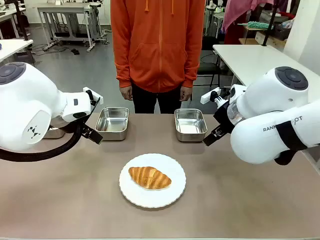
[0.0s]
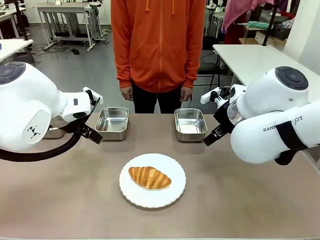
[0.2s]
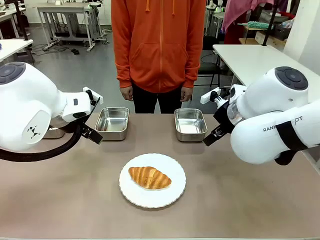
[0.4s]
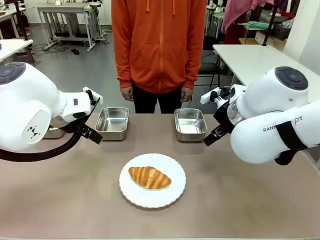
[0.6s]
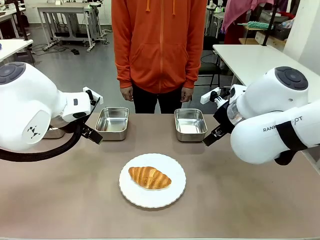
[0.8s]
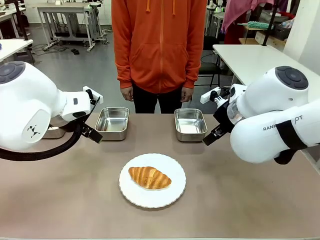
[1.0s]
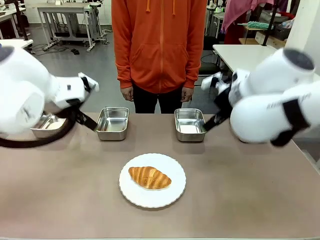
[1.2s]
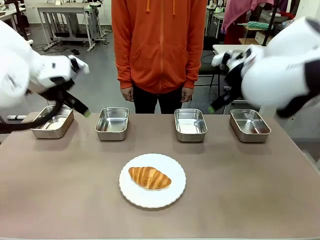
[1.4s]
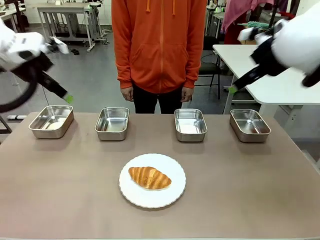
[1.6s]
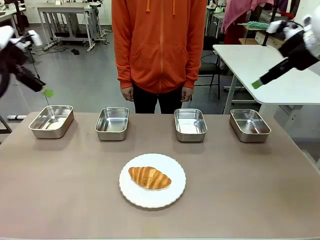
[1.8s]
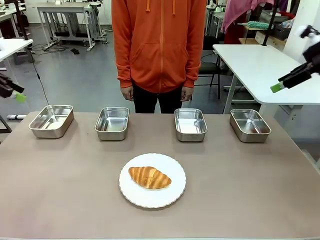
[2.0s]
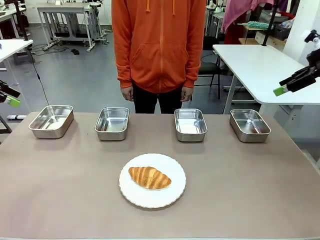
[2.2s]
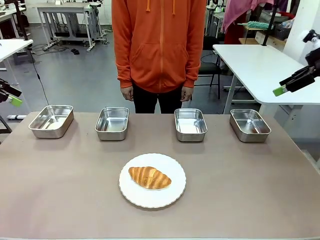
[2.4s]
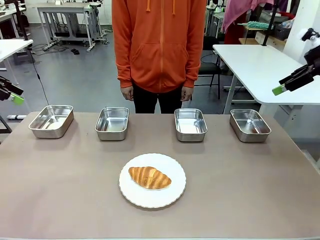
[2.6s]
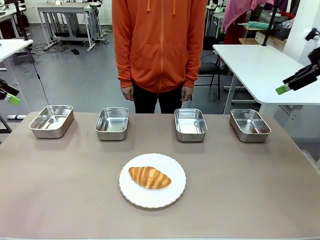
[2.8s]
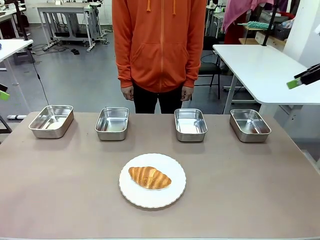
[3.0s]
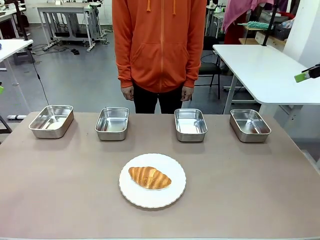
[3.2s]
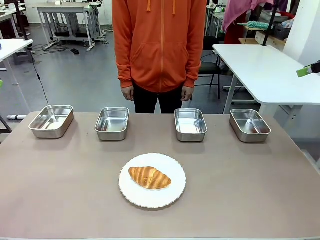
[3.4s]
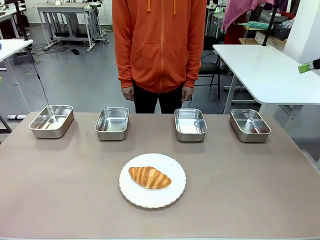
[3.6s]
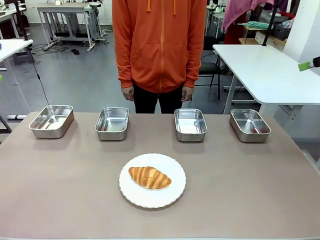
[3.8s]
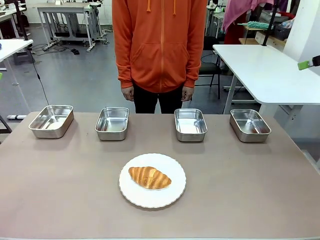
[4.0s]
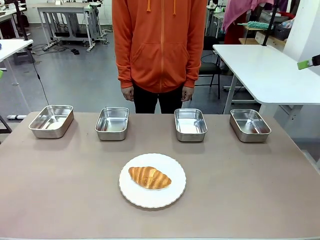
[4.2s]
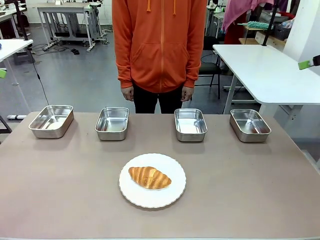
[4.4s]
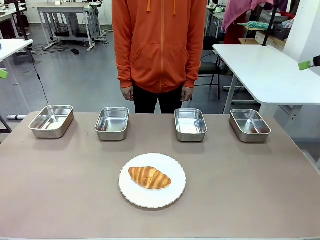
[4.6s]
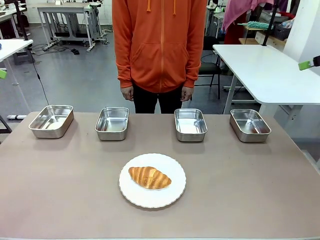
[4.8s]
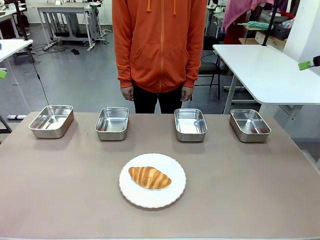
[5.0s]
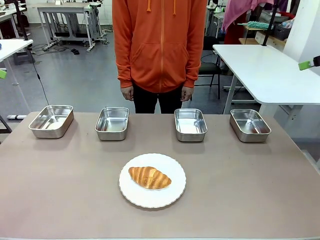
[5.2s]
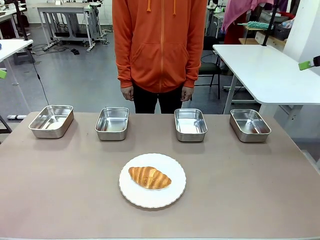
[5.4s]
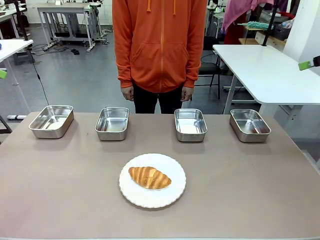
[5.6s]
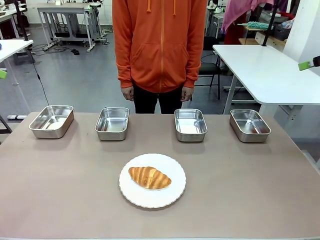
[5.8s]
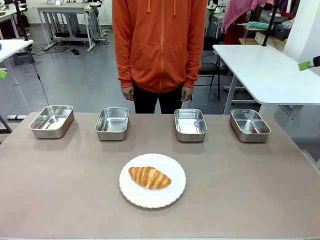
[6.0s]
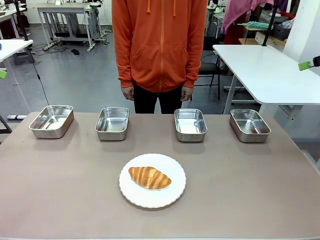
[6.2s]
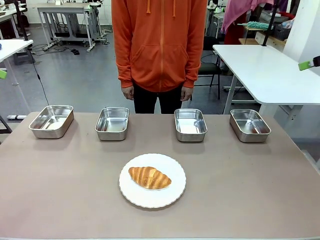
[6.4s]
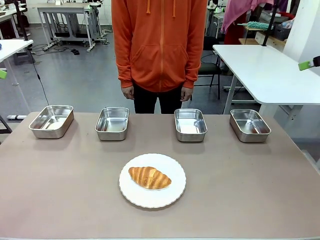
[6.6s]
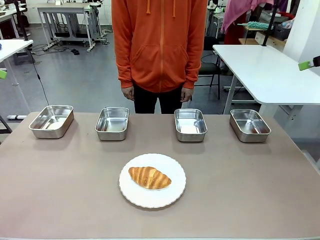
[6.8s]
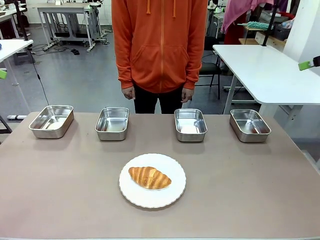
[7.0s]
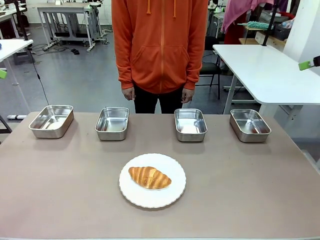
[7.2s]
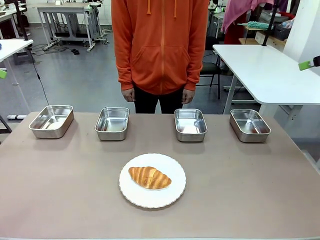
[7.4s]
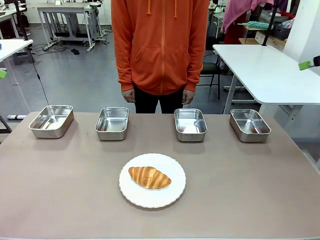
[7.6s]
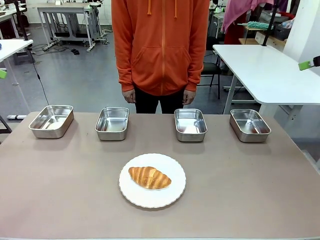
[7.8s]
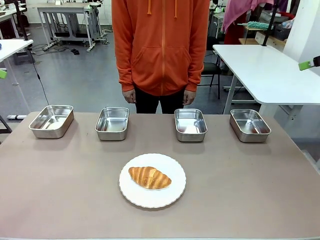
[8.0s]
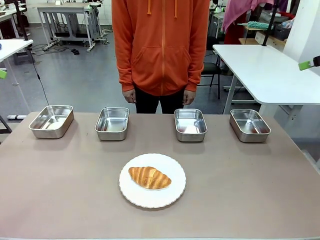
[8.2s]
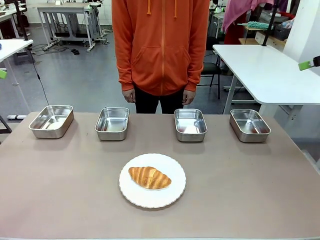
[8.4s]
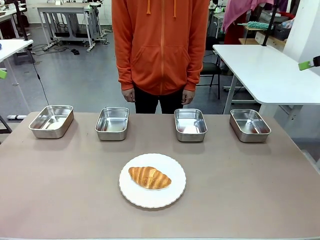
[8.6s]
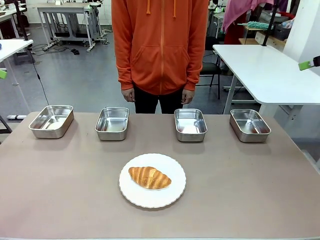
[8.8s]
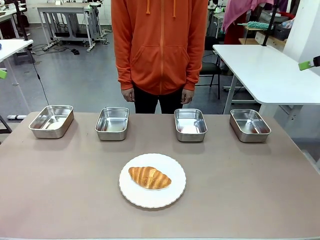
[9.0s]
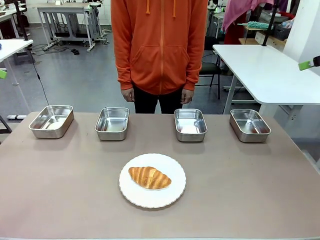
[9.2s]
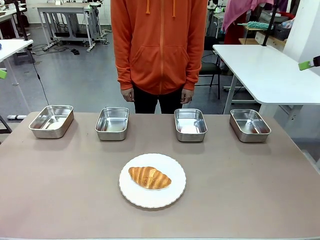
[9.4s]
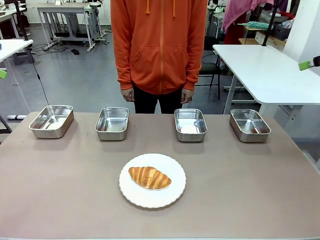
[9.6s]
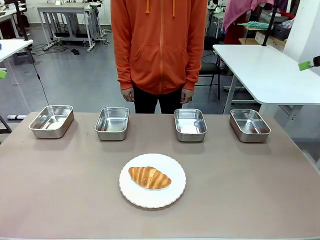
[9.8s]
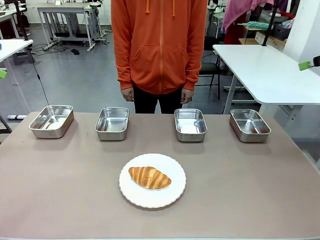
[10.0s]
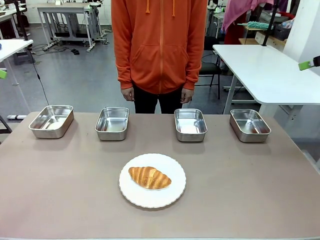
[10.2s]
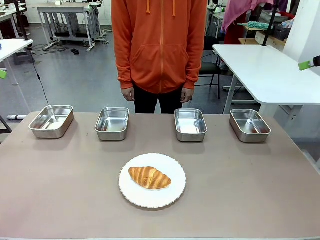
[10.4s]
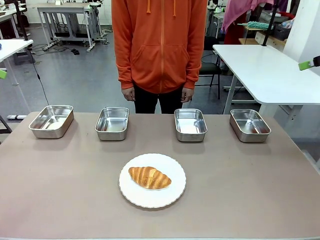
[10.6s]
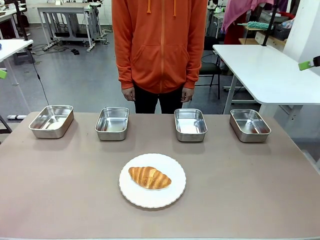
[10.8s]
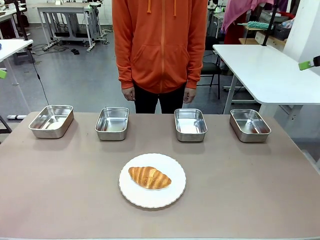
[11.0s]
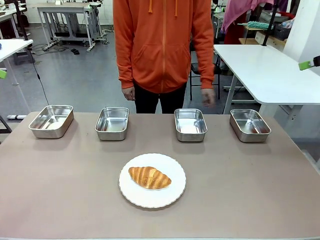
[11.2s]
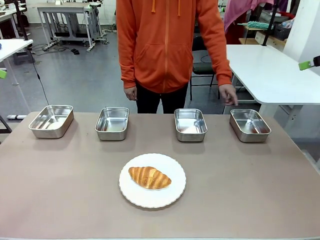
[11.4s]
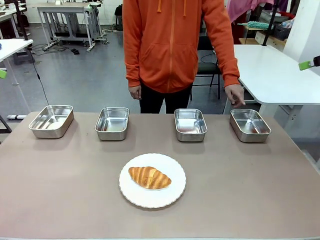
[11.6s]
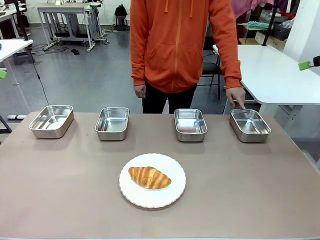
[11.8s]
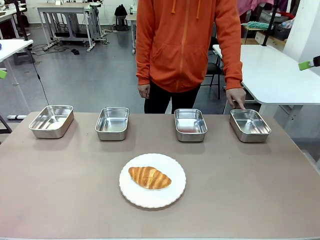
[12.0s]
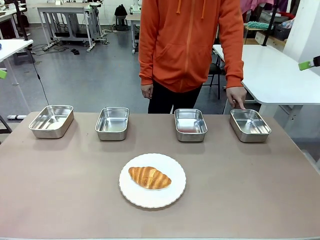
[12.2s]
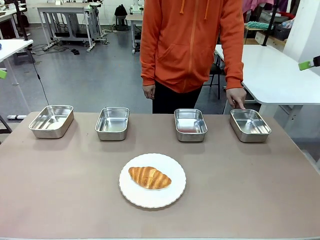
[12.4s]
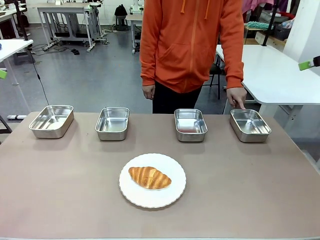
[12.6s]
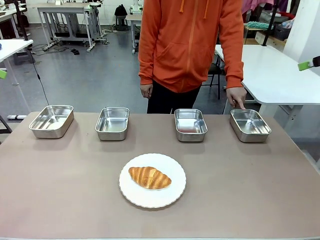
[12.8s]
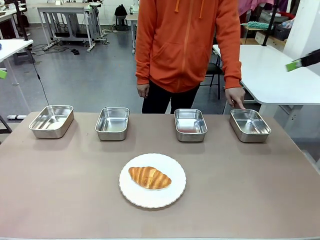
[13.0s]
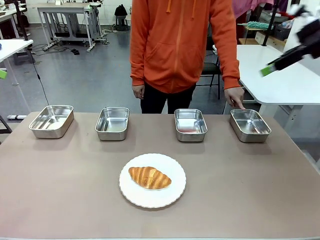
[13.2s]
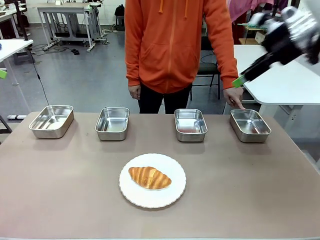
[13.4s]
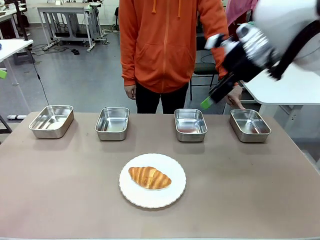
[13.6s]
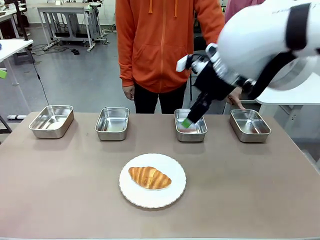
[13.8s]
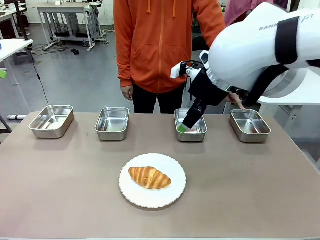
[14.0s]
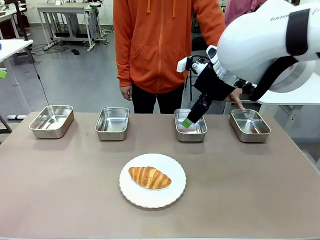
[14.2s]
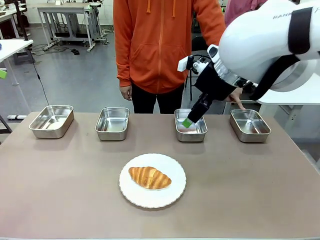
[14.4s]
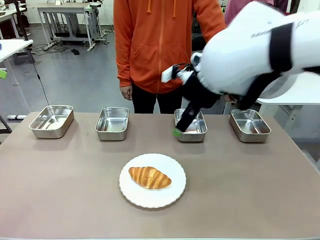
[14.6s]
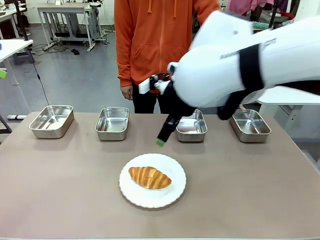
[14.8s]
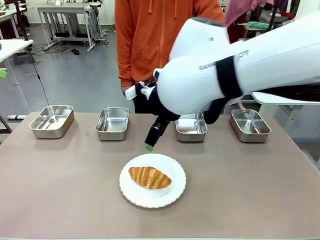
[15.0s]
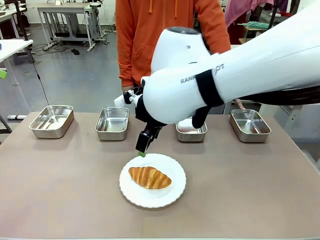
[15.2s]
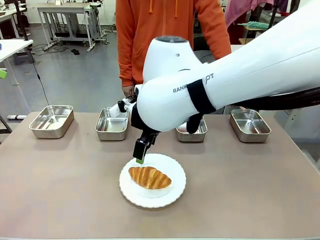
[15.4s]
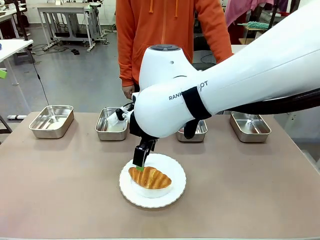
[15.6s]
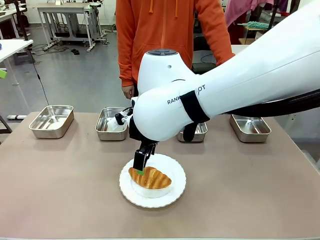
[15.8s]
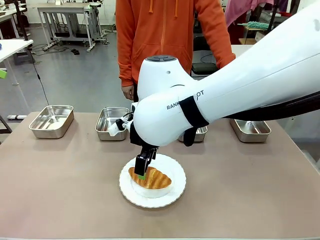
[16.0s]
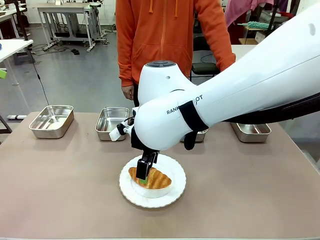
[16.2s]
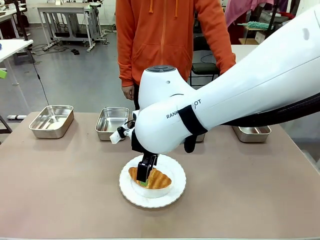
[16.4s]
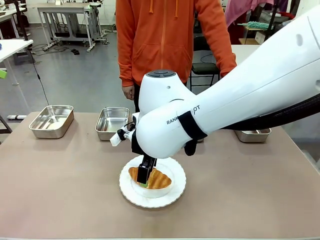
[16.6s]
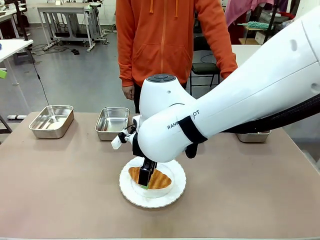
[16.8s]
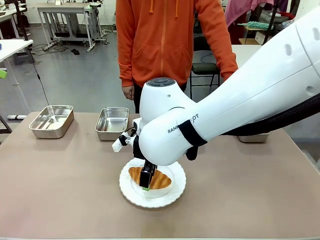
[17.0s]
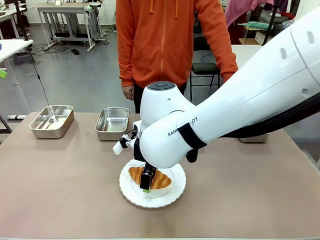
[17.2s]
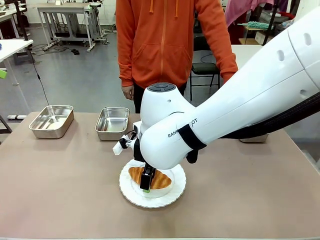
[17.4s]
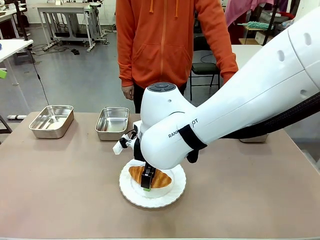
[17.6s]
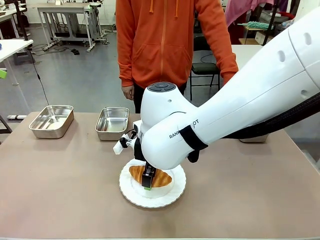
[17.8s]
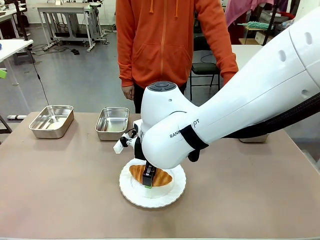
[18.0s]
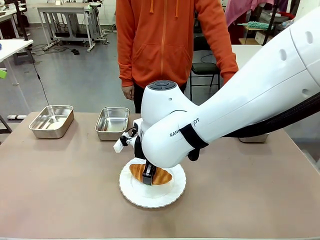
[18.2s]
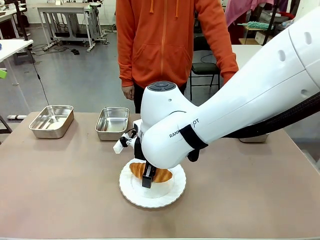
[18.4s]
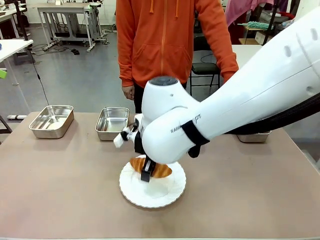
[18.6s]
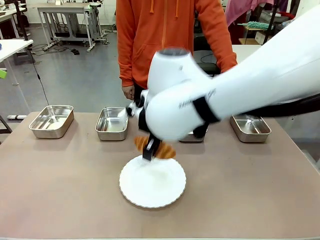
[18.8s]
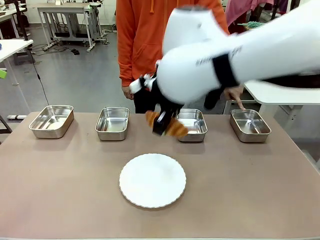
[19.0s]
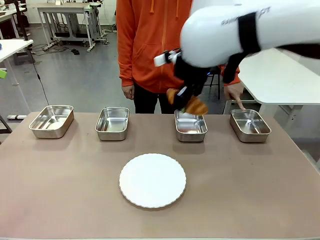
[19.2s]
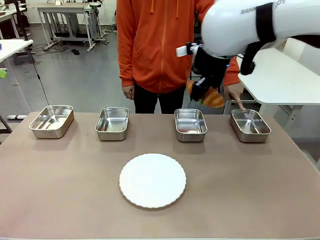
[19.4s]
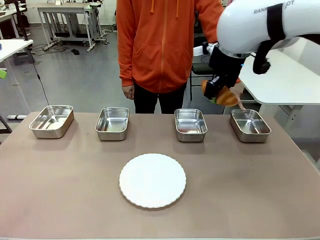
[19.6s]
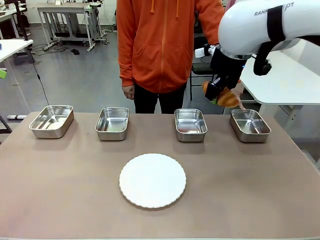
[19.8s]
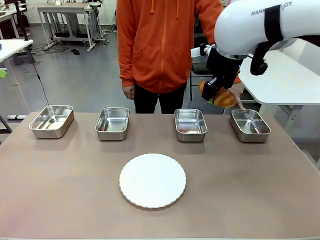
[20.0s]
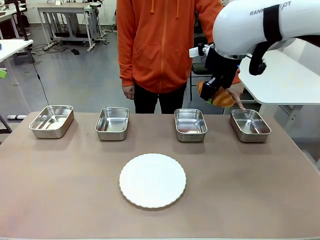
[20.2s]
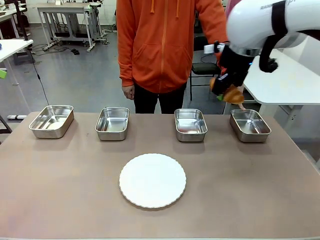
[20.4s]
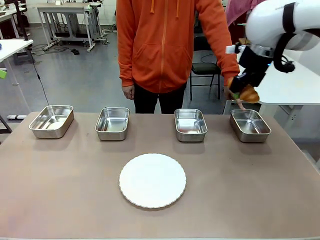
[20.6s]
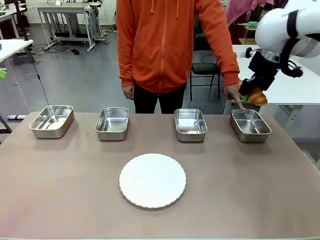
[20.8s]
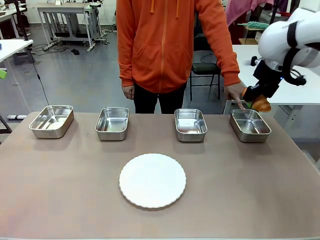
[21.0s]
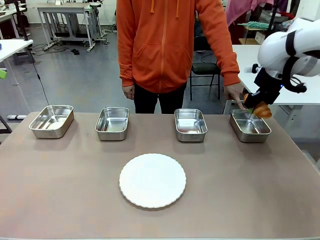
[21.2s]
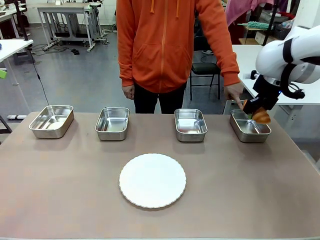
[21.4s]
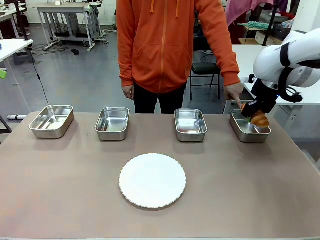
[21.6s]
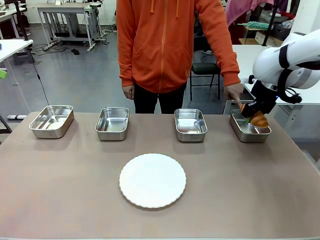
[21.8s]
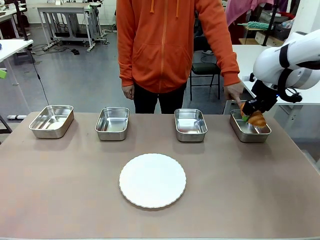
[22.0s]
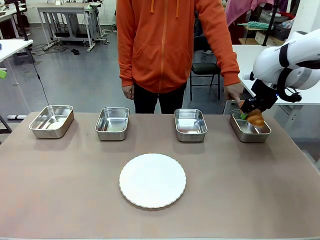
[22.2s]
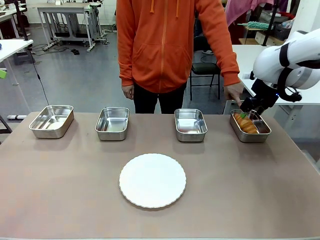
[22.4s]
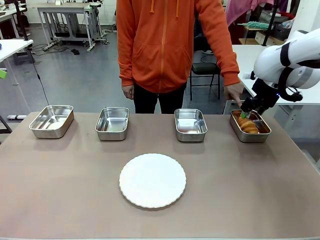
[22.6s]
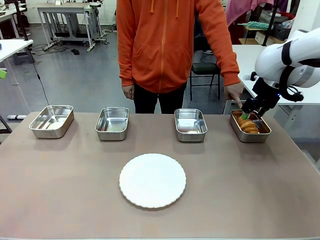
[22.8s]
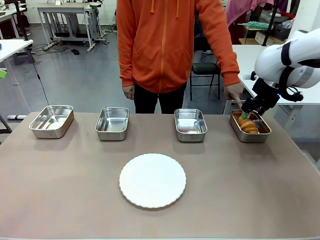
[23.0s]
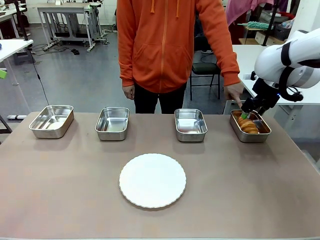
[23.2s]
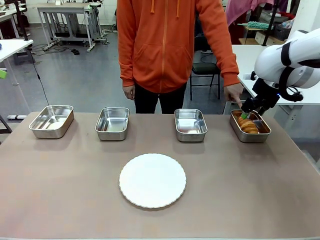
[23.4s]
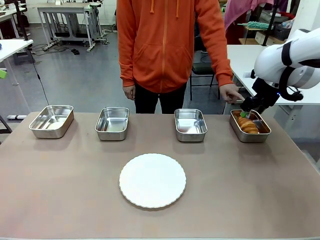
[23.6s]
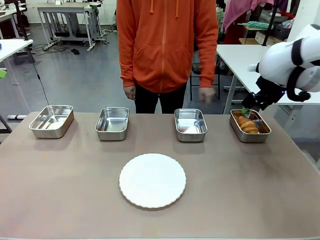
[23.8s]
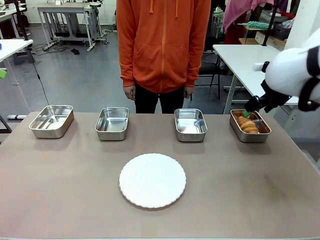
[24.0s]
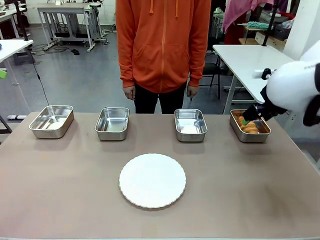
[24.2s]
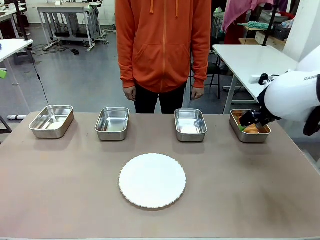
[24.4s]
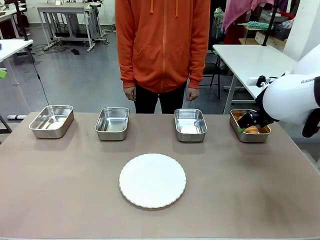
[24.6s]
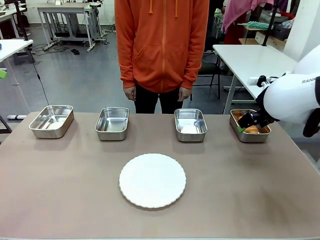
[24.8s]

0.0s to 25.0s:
Task: Place the bread in the container.
Robot: Place the Butter Roll into the Airtight Container indicated by the human.
Person: A person randomly selects and points to an Airtight Container.
